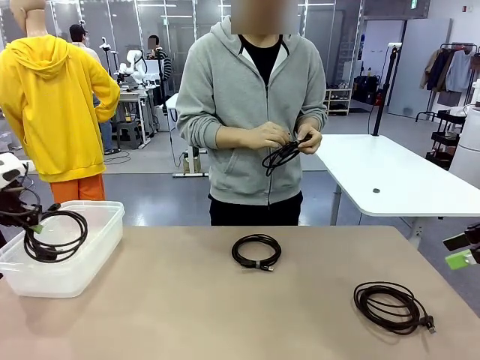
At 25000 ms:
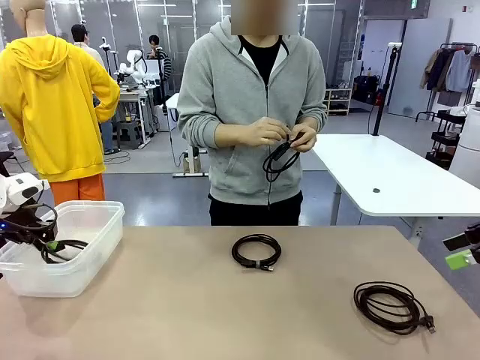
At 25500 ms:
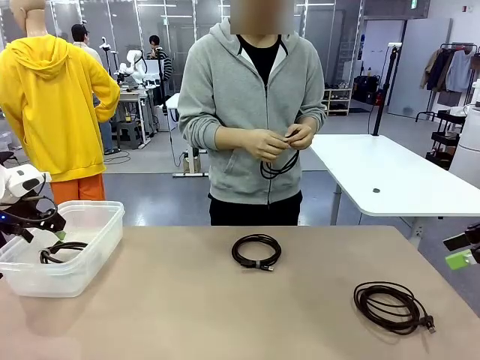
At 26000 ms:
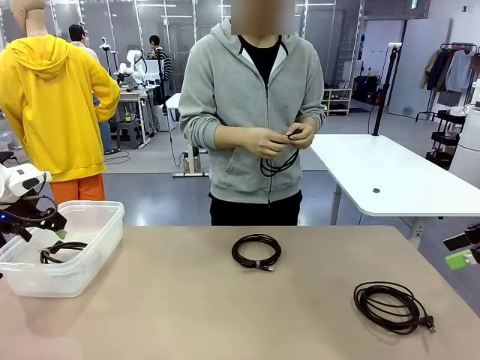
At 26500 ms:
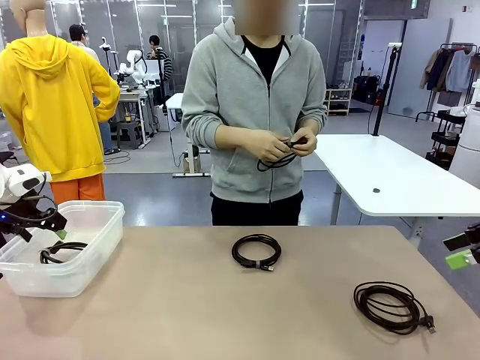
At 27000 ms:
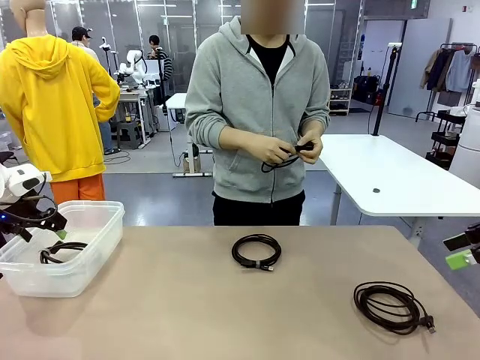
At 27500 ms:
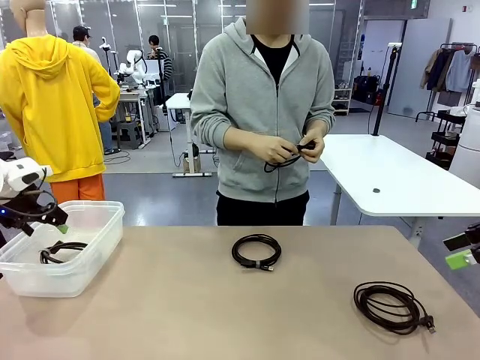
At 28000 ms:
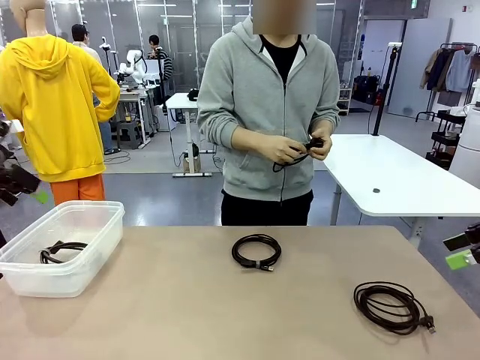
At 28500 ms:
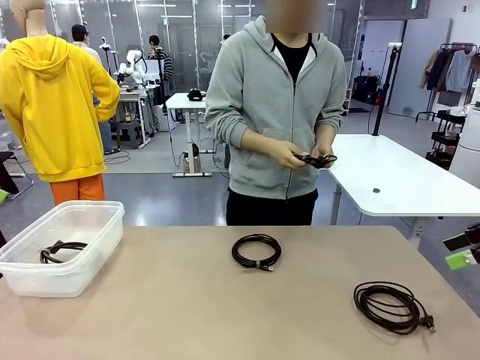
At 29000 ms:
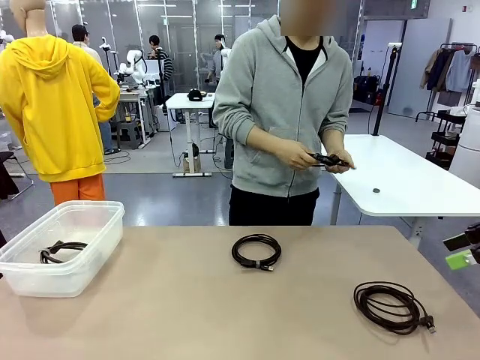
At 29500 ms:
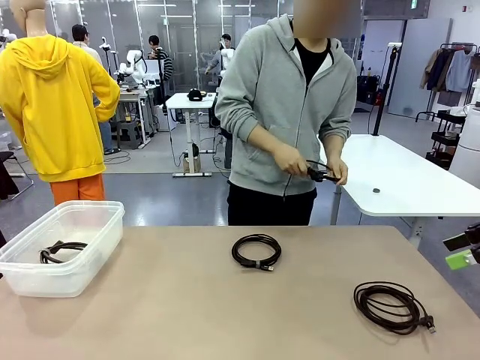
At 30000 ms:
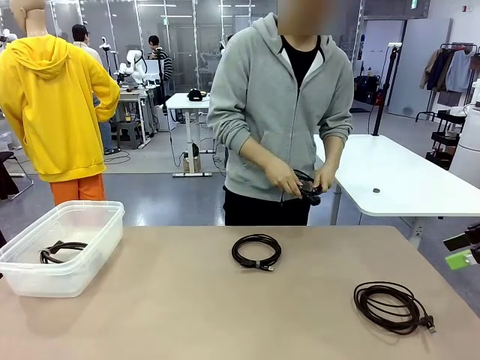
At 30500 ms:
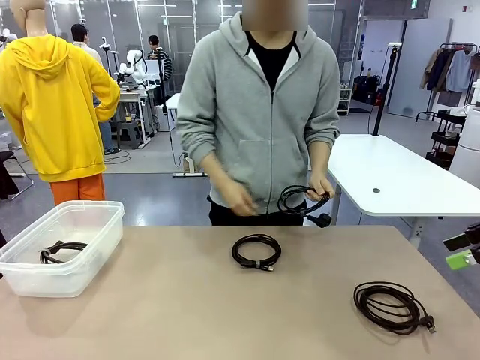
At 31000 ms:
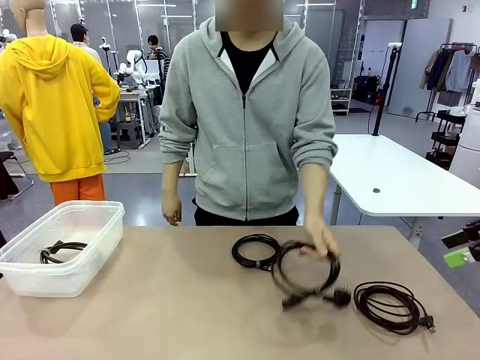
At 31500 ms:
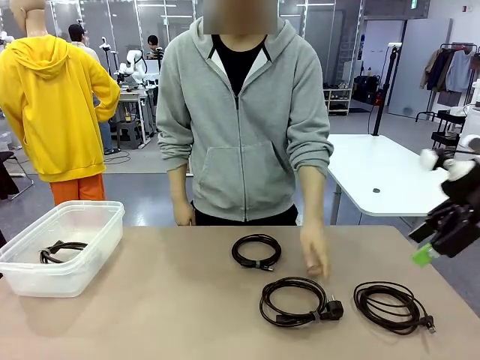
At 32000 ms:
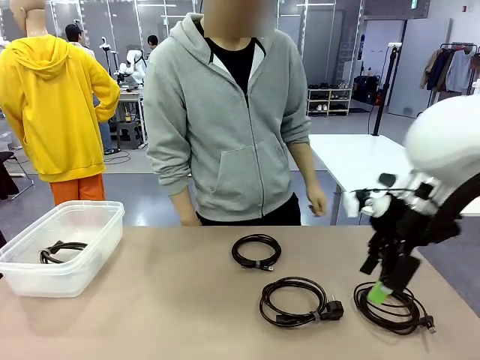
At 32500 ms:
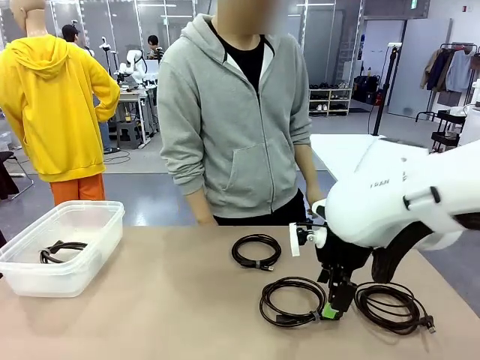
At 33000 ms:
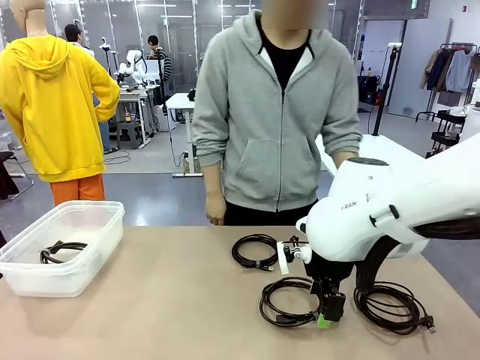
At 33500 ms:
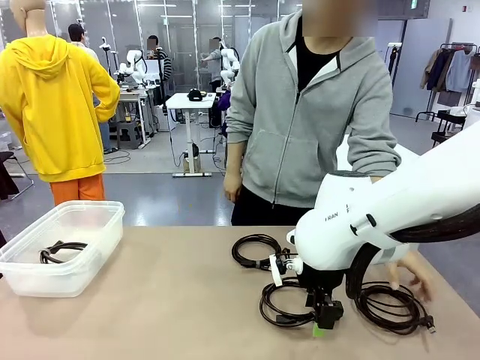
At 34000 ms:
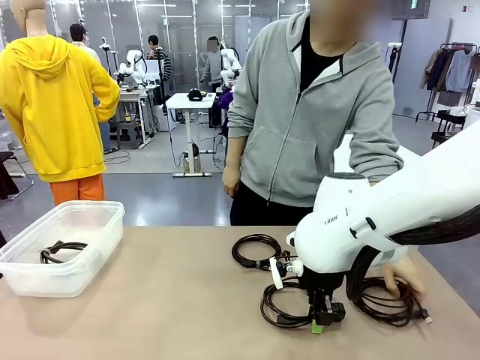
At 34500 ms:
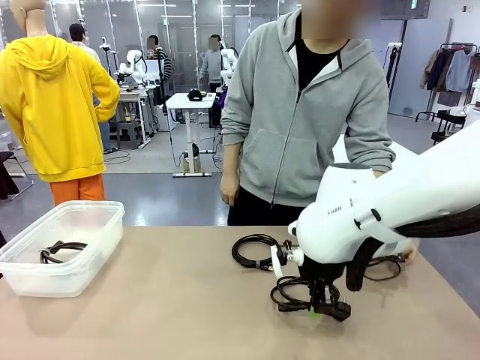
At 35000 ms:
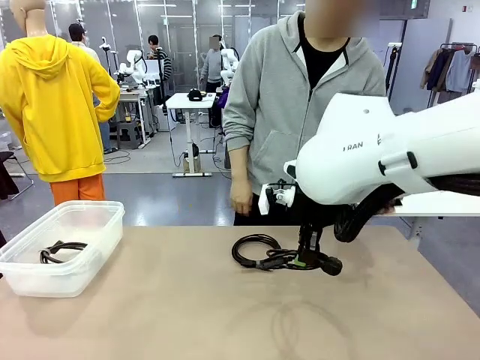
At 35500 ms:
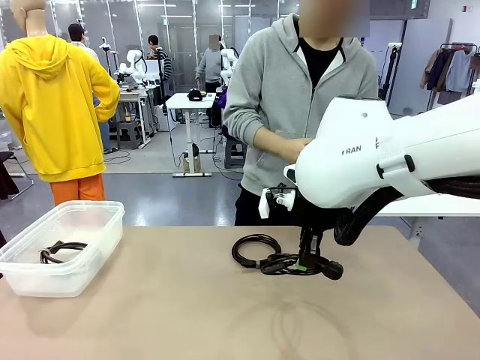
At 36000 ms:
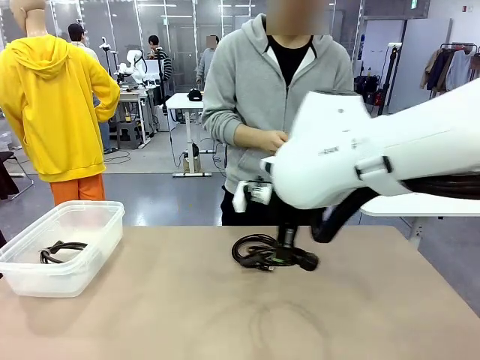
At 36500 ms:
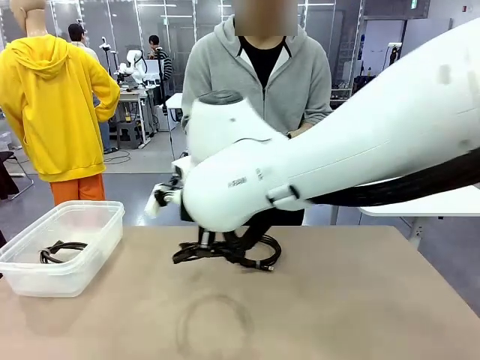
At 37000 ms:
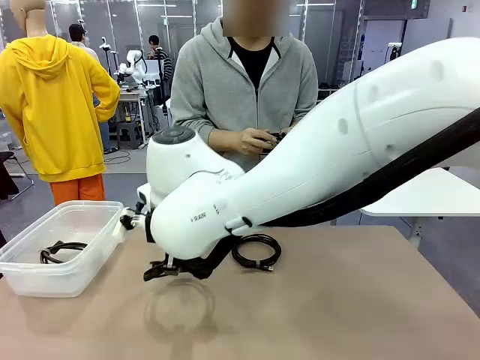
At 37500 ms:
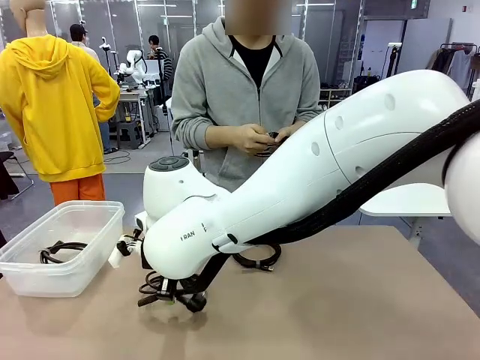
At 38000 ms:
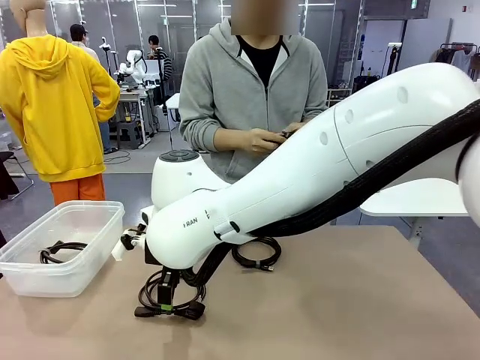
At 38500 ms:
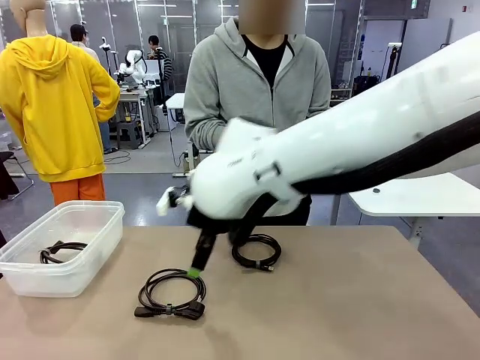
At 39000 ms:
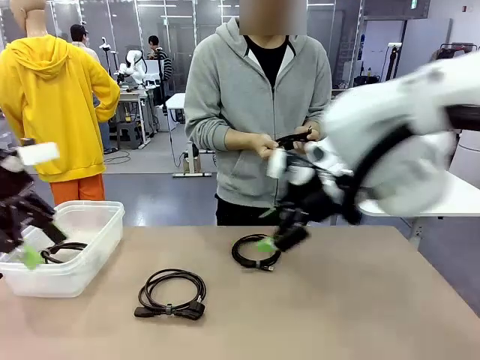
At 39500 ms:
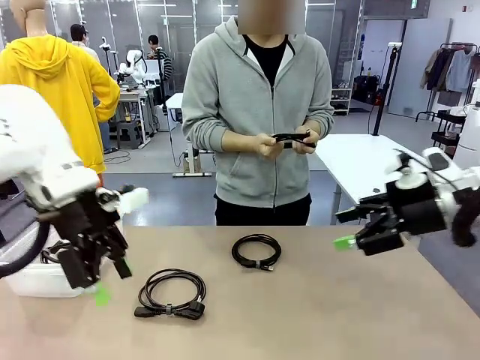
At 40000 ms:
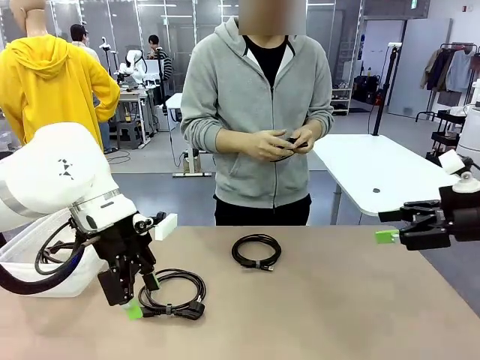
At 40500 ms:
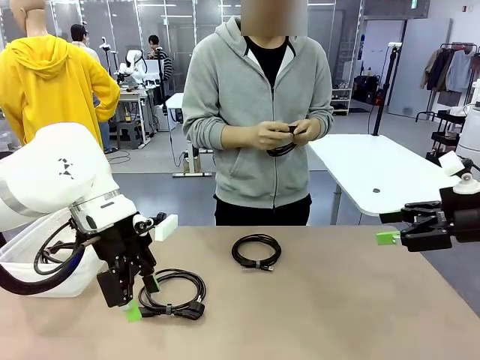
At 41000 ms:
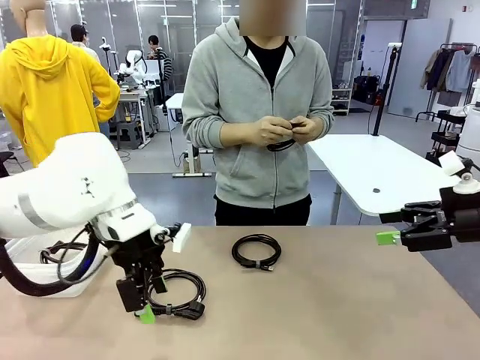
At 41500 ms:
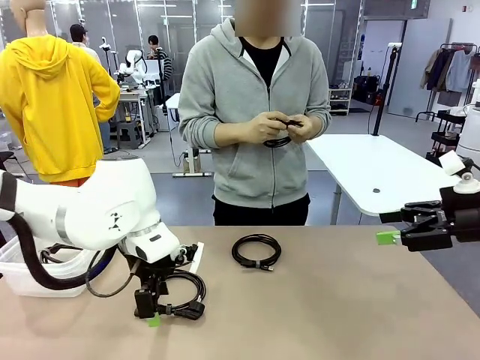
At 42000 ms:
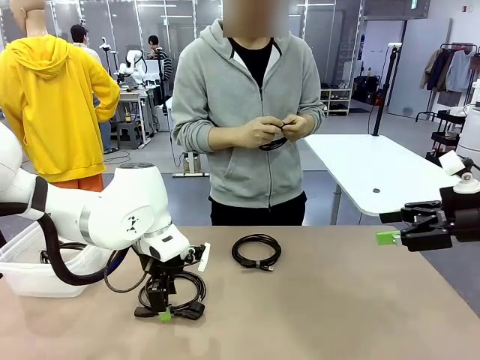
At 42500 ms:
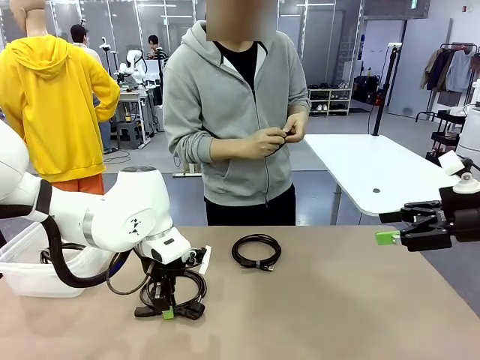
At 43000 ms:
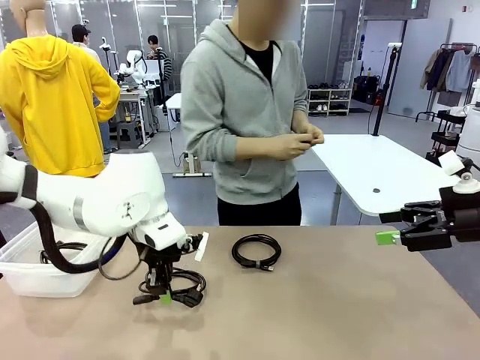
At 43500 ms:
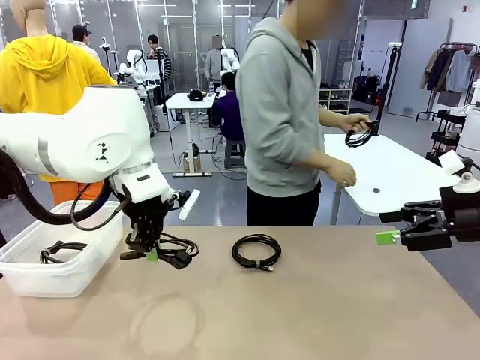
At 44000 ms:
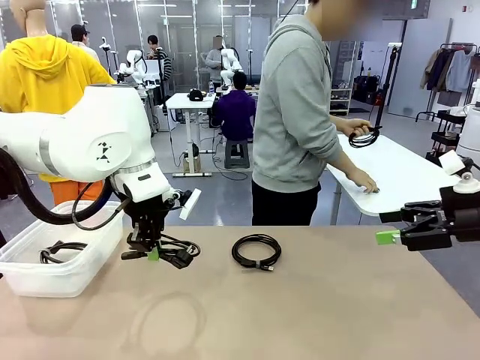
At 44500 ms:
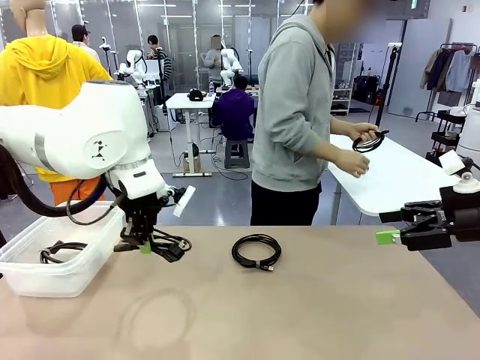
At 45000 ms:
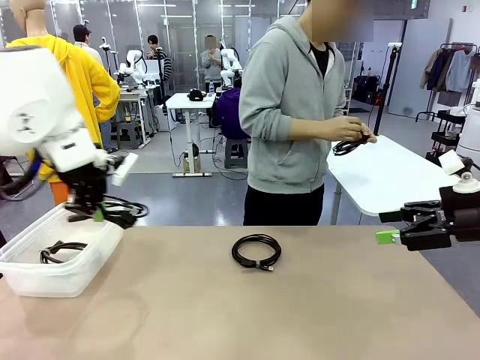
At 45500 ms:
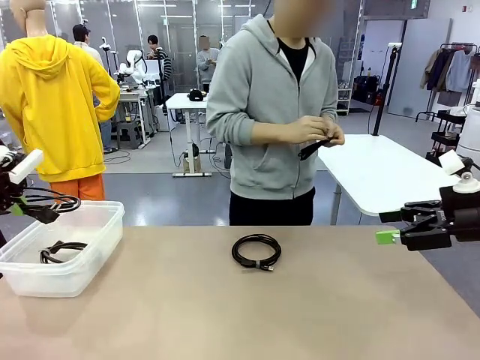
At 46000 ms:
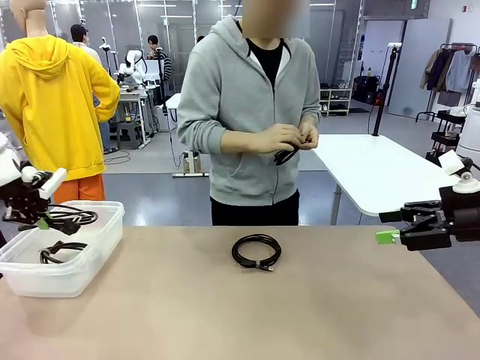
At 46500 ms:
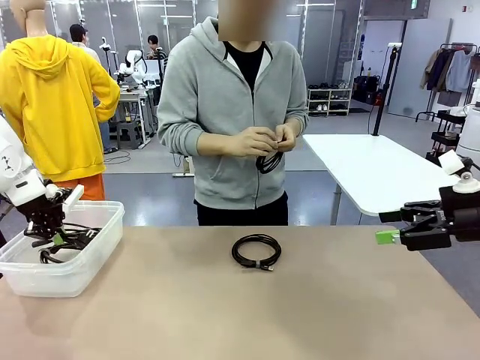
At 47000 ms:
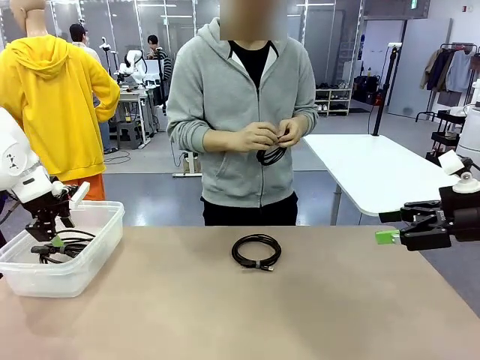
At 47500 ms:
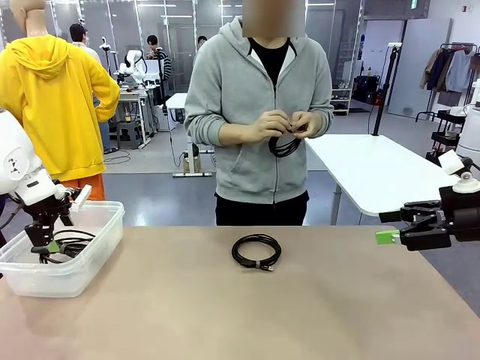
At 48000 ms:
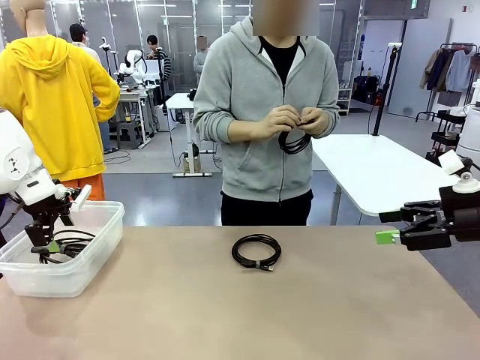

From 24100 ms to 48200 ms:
Task: Organize and store the cables.
Robot: Place the Power Cable into the Organizing box.
